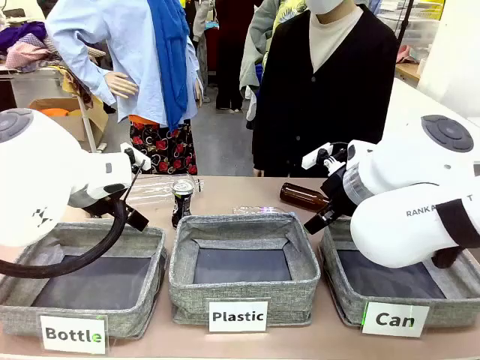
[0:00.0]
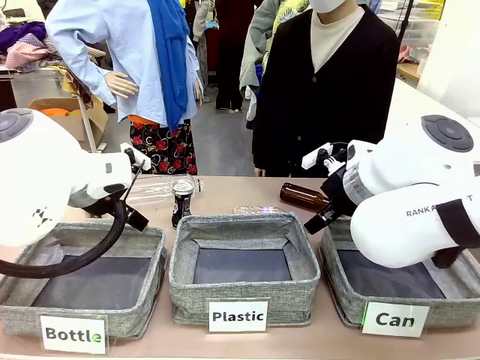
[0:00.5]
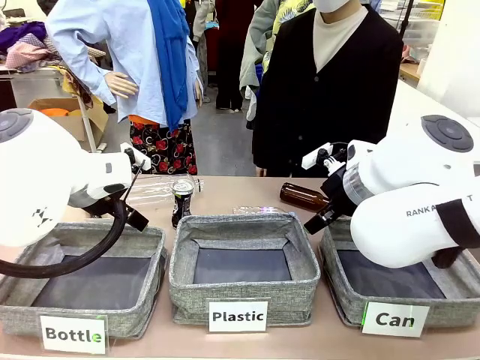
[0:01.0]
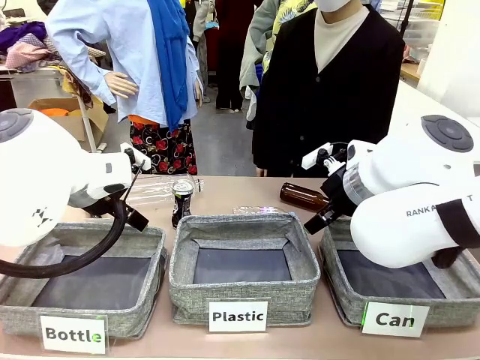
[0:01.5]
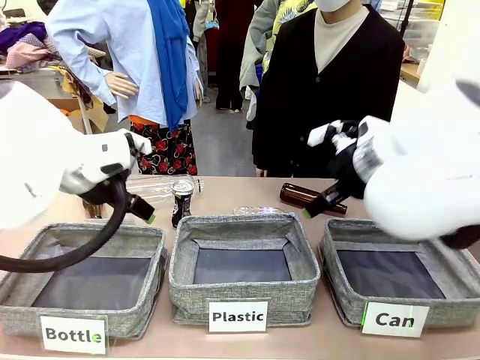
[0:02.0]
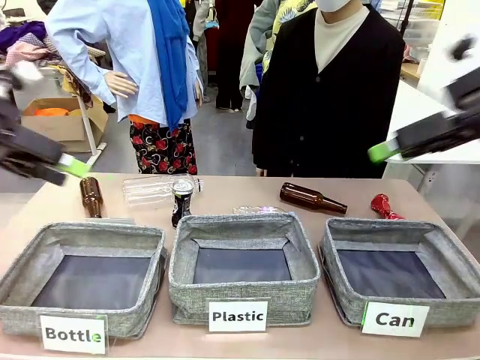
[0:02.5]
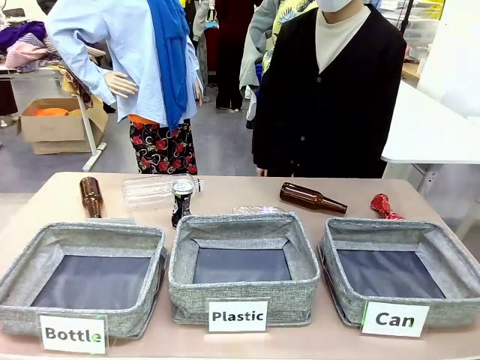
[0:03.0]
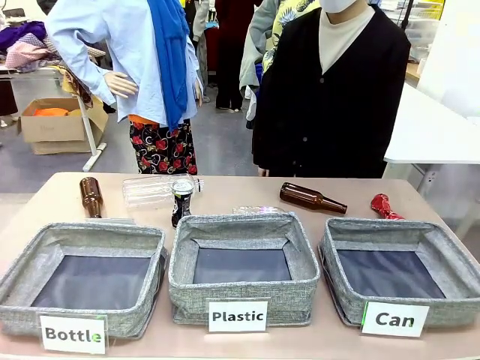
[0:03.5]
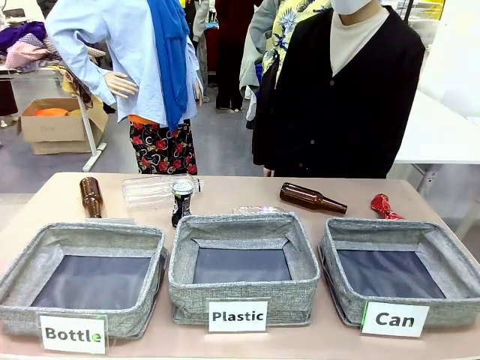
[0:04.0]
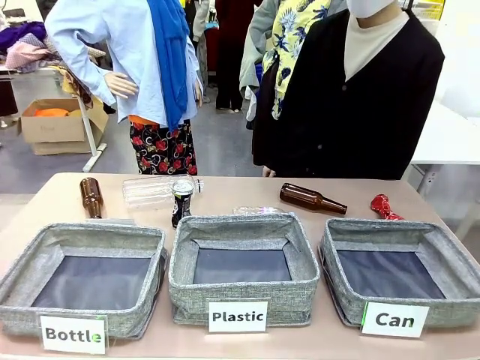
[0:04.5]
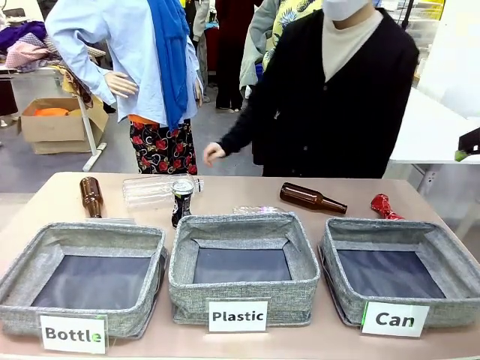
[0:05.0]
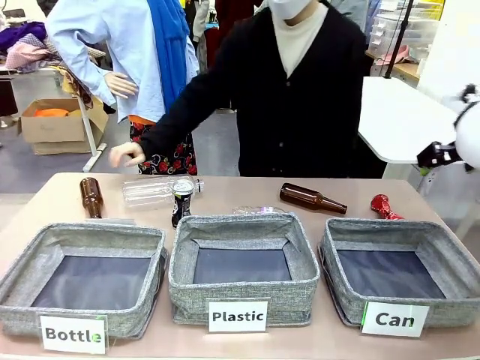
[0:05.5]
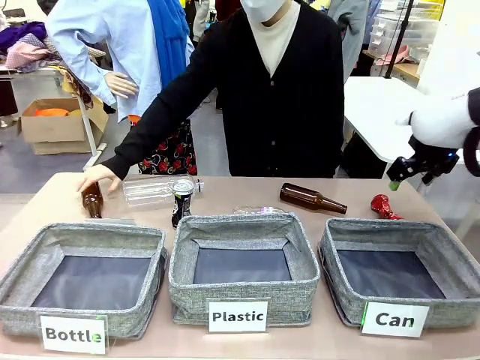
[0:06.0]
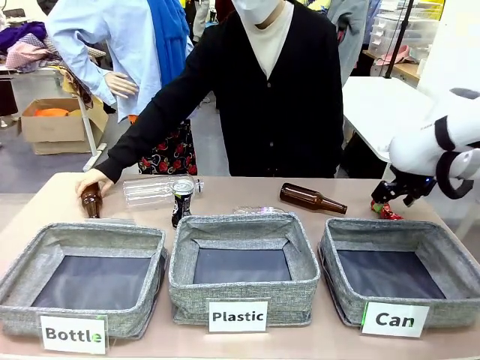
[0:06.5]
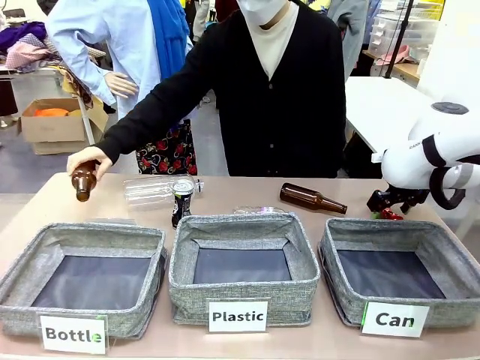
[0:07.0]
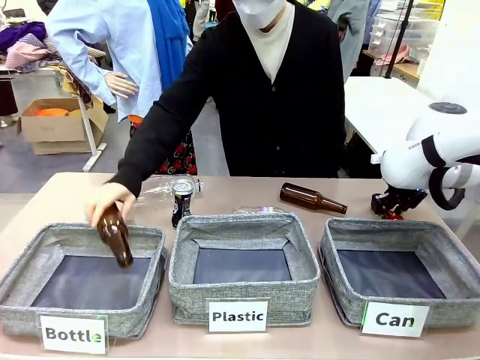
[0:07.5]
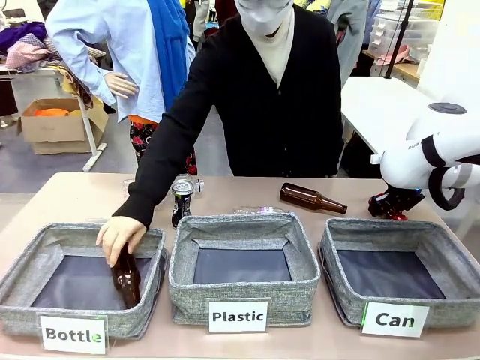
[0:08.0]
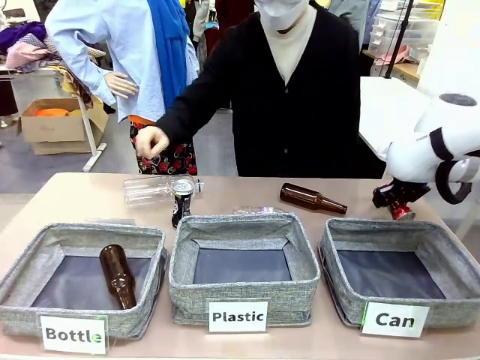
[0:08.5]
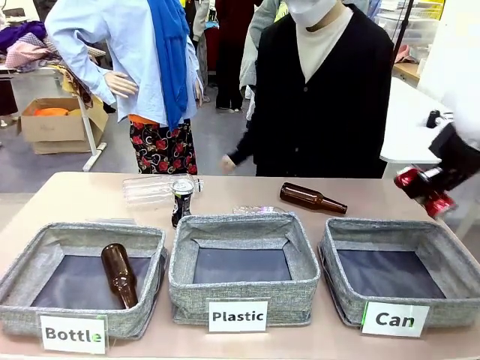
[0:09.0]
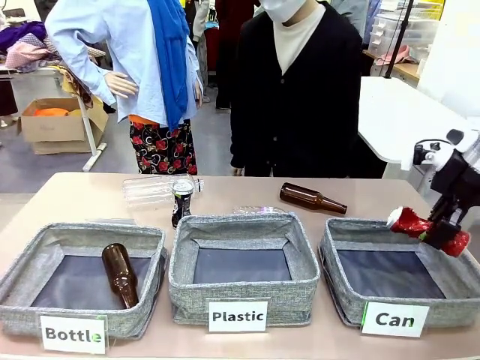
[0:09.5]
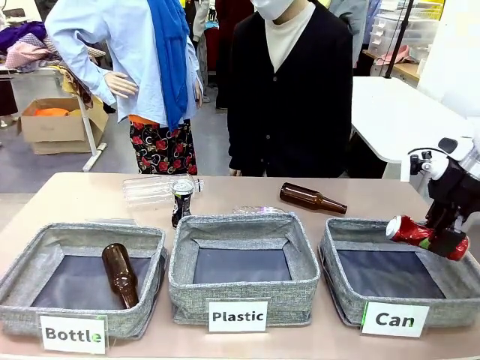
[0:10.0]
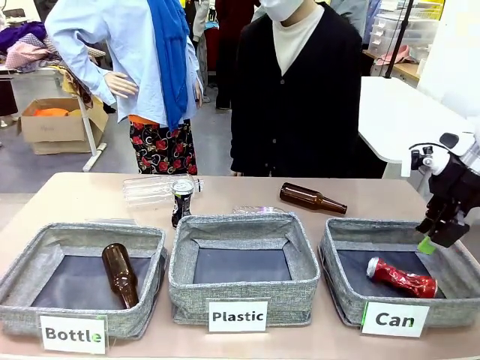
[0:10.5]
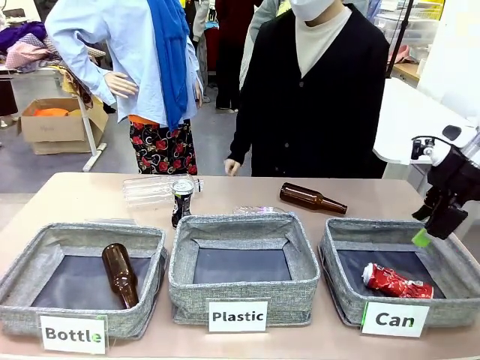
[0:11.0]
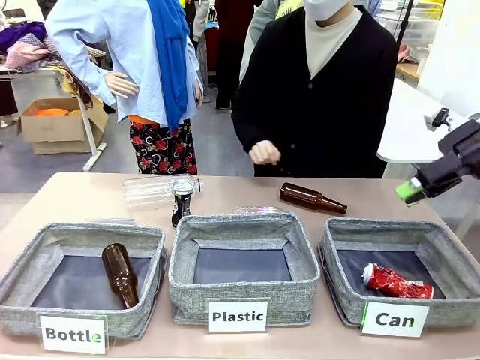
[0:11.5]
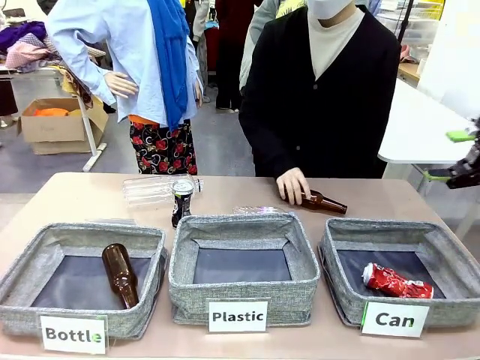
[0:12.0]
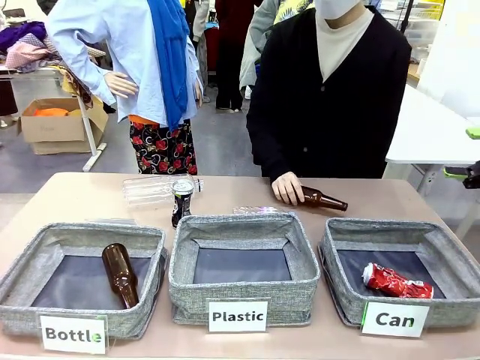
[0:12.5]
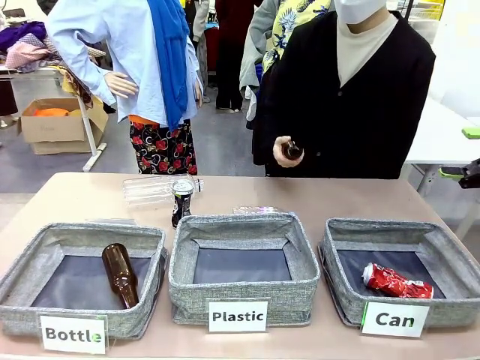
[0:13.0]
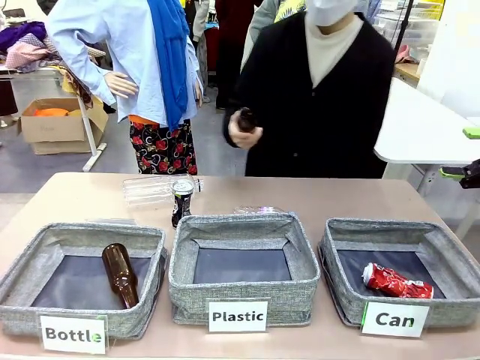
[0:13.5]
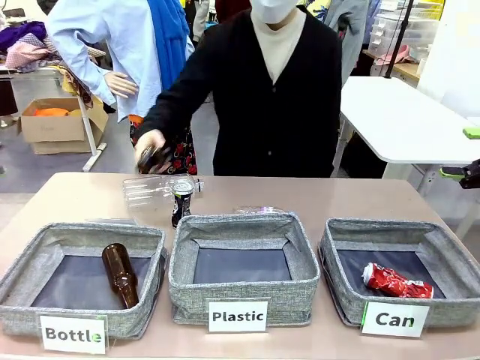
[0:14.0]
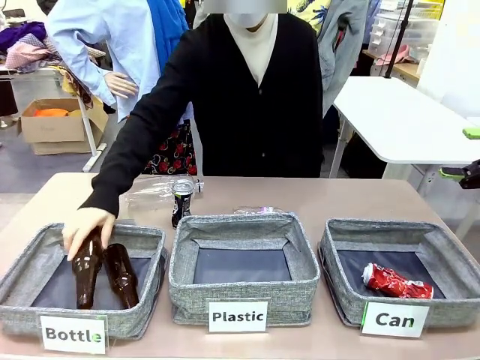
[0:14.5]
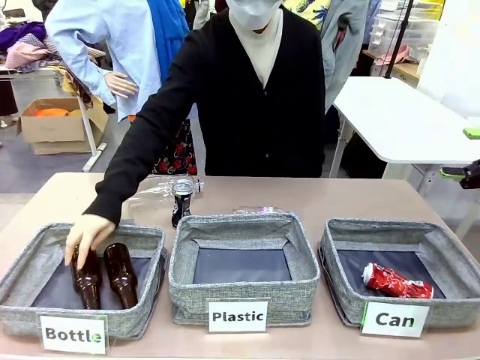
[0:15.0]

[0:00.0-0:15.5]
Task: Sort the can waste into the basket.
Robot: Pick up the can waste from the table and place it in the right Fabric basket.

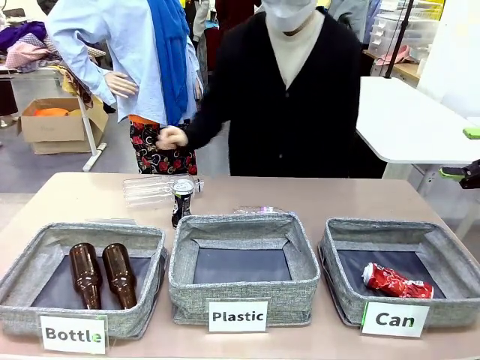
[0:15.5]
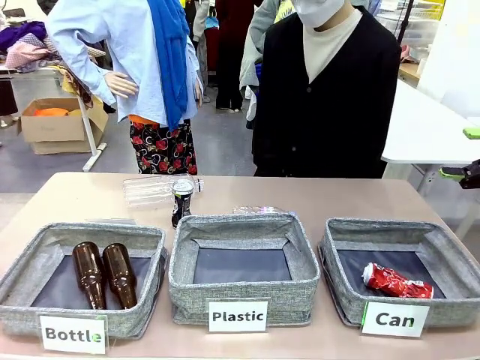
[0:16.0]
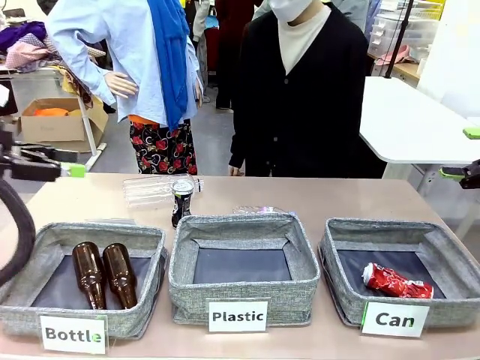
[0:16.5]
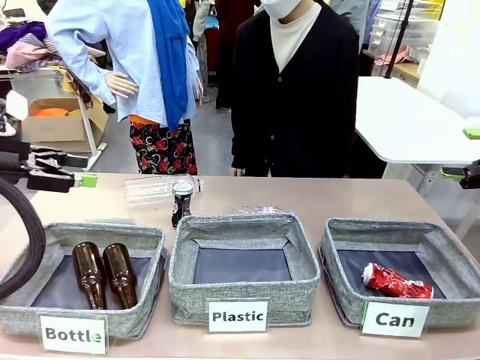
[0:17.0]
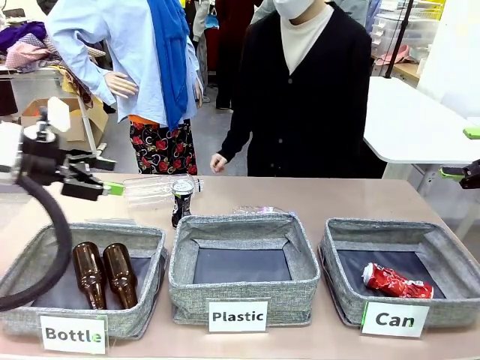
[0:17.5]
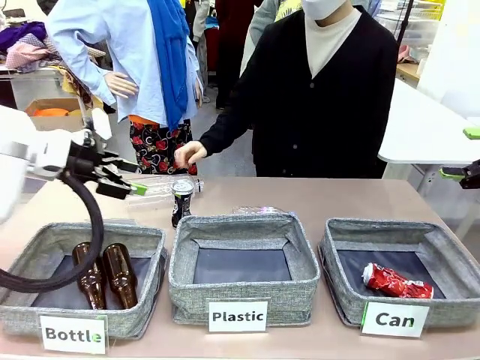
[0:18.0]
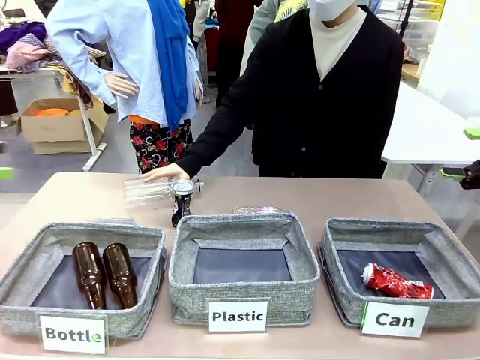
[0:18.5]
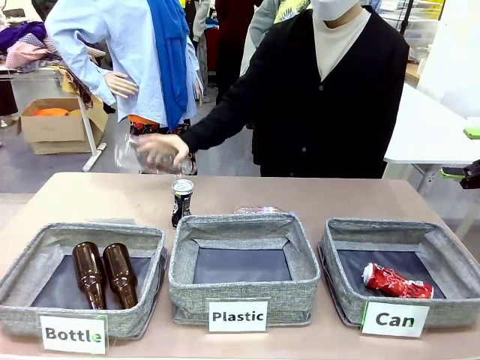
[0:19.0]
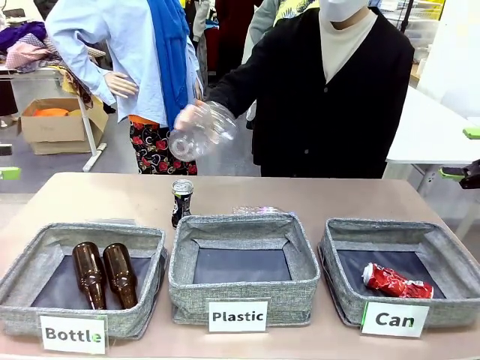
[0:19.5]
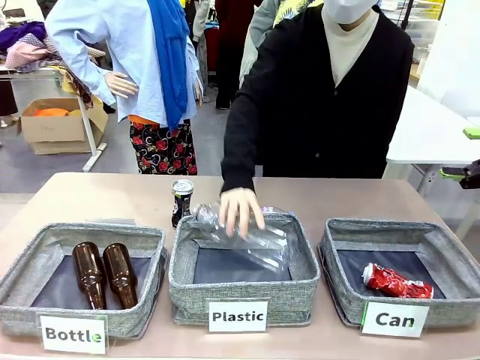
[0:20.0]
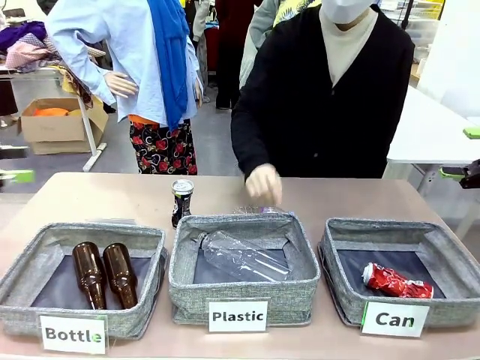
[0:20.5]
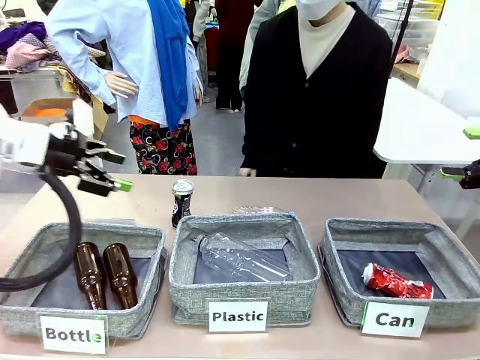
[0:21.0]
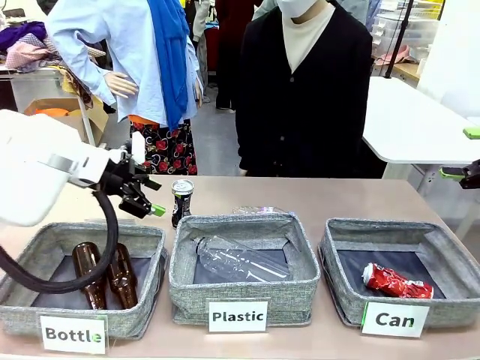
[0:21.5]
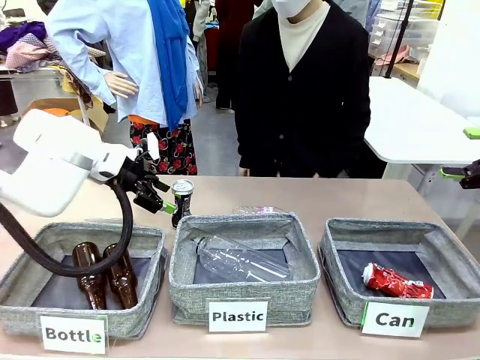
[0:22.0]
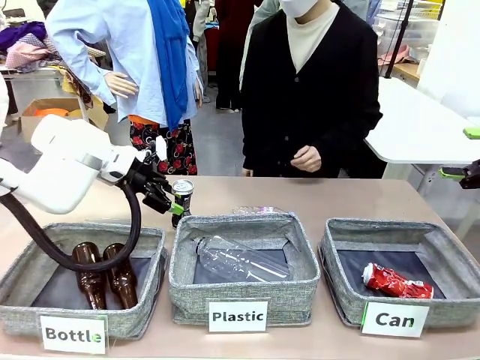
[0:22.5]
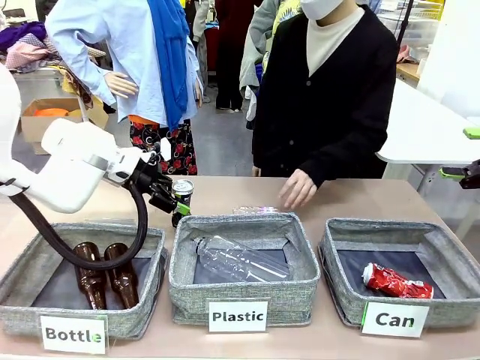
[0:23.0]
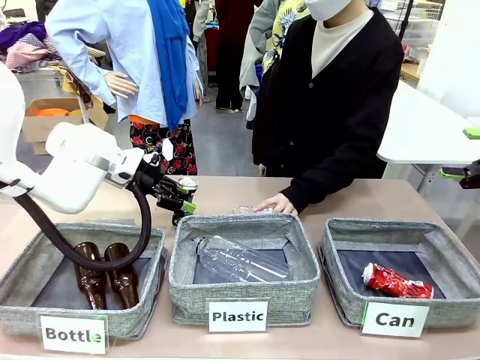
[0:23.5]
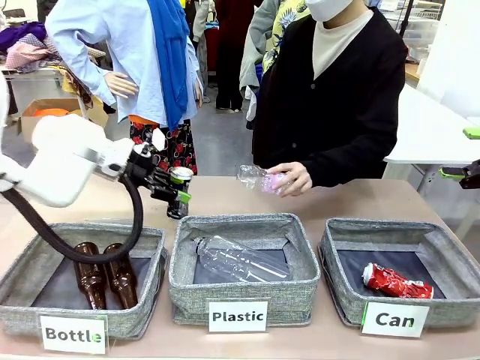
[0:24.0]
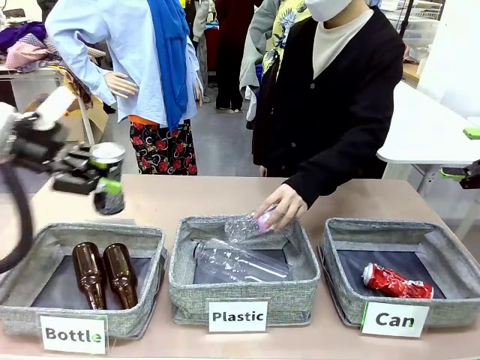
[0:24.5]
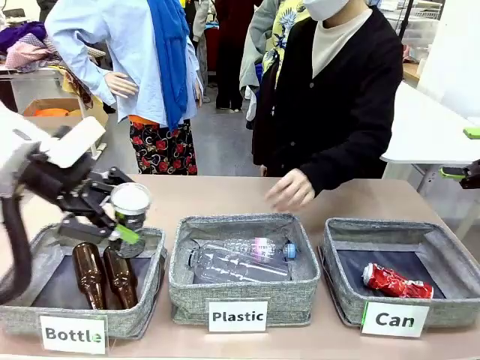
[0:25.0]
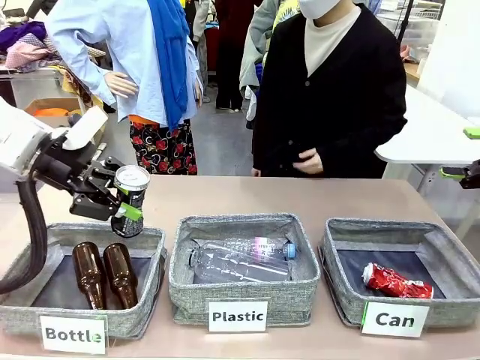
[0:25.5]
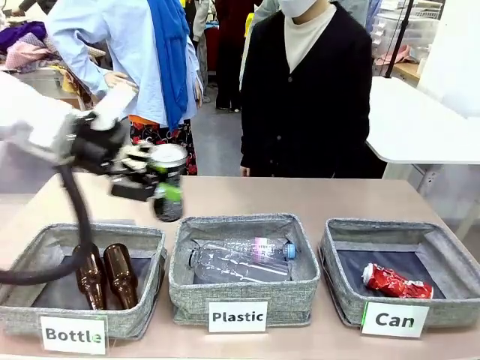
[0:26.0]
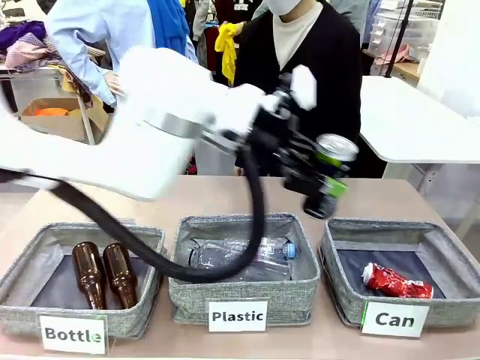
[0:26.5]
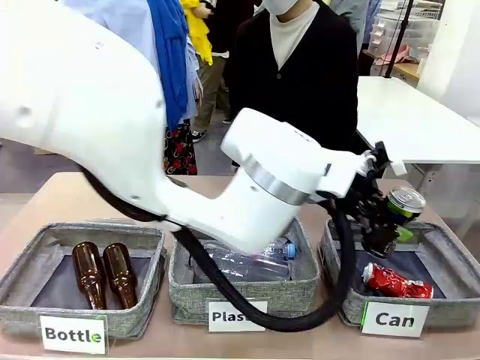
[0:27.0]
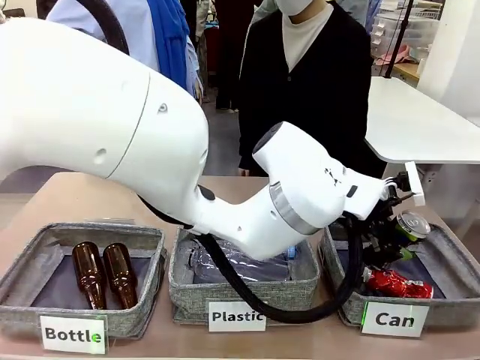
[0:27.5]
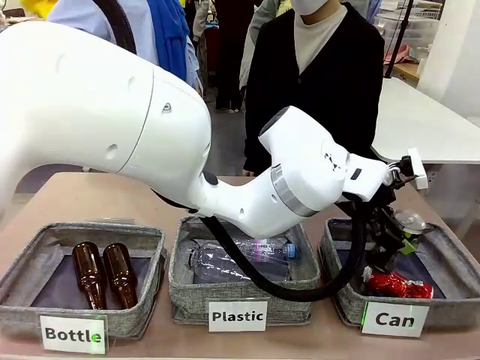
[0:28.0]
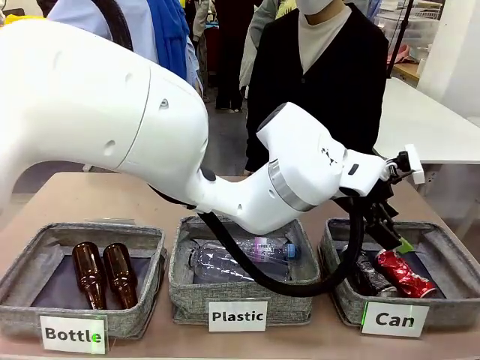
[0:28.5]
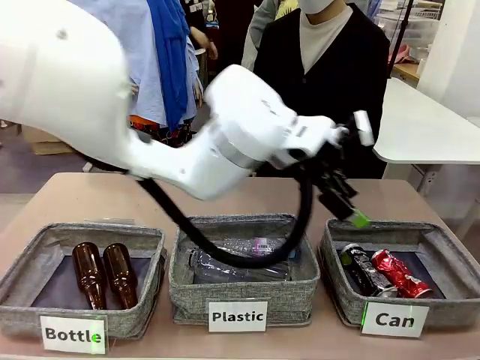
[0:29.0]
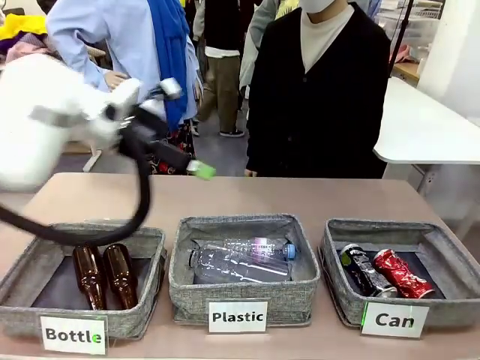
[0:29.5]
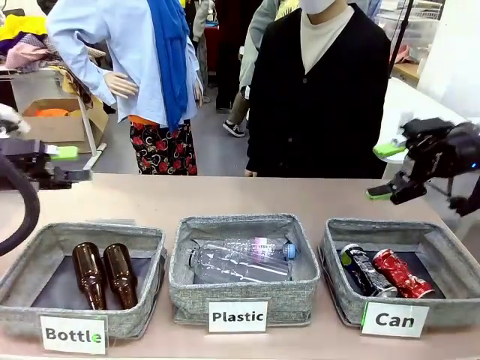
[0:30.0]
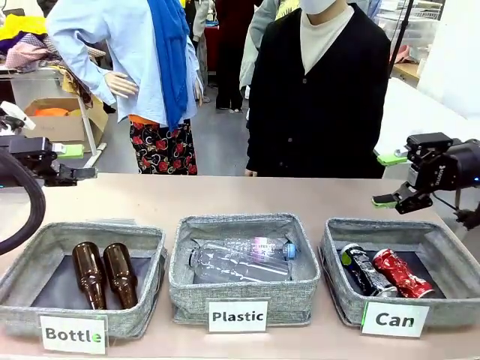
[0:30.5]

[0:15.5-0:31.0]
Robot: Pick up the can waste from the table and place it in the right Fabric basket.
